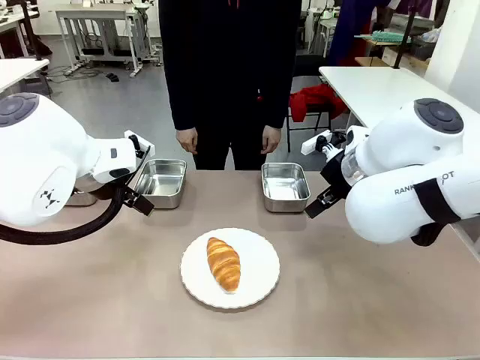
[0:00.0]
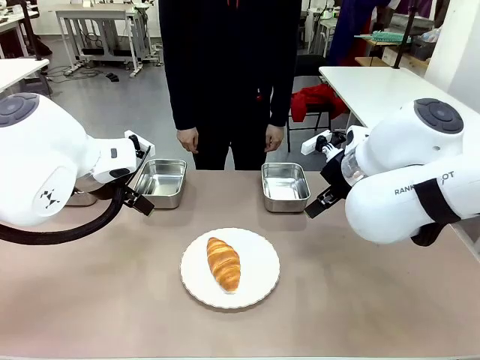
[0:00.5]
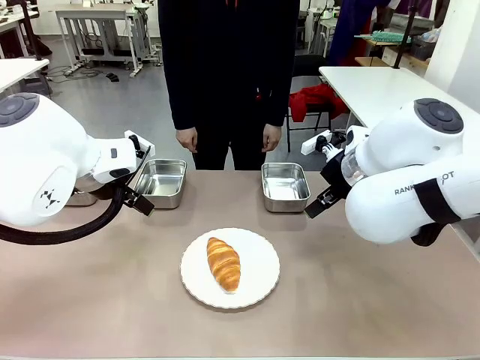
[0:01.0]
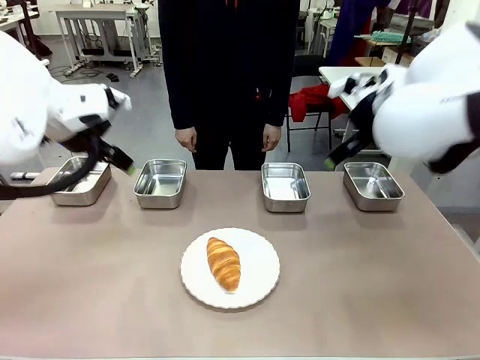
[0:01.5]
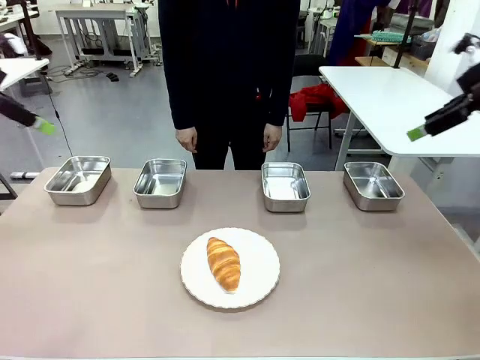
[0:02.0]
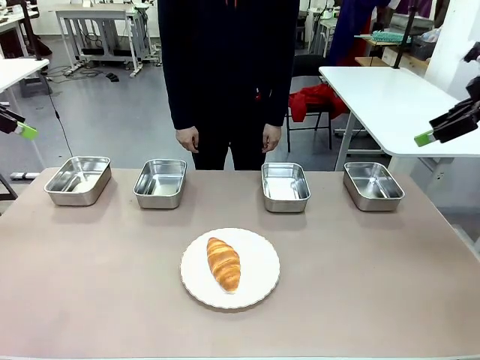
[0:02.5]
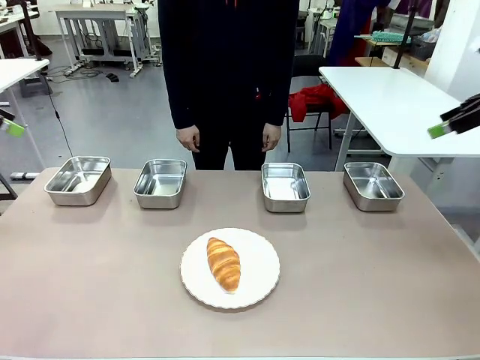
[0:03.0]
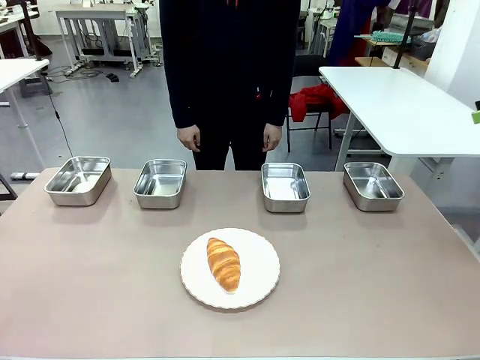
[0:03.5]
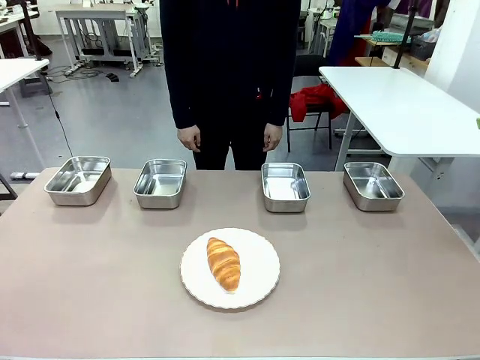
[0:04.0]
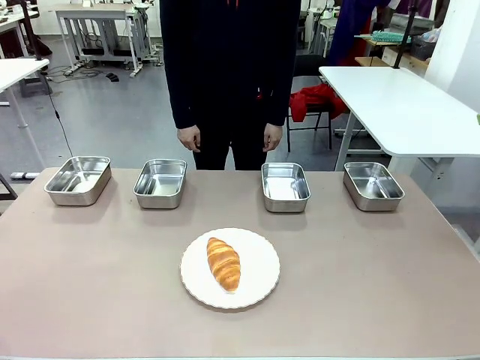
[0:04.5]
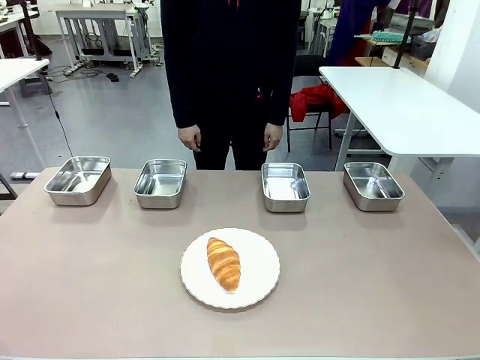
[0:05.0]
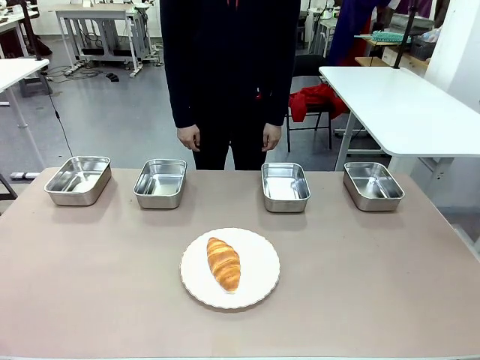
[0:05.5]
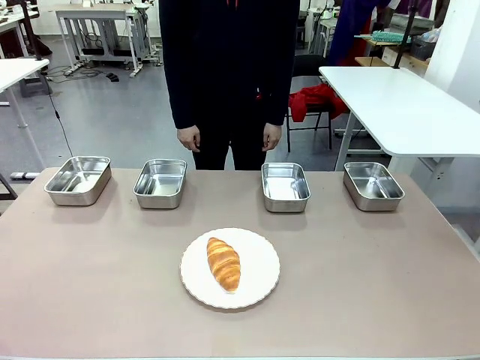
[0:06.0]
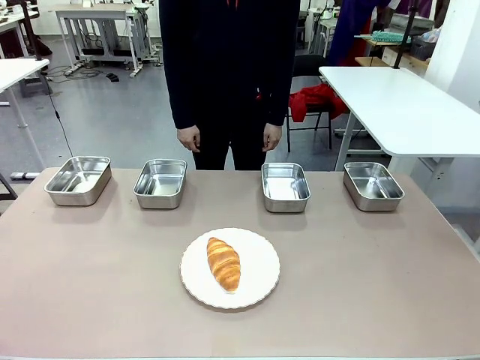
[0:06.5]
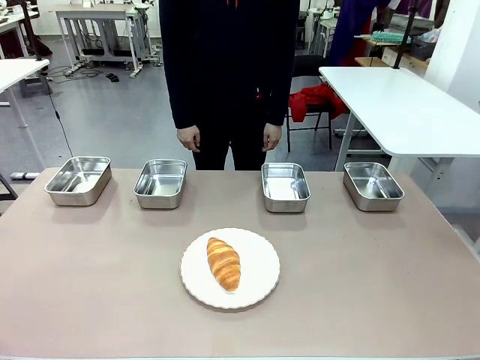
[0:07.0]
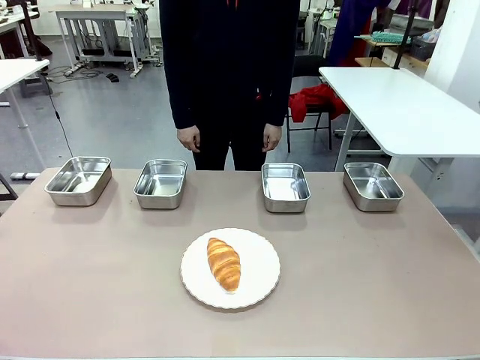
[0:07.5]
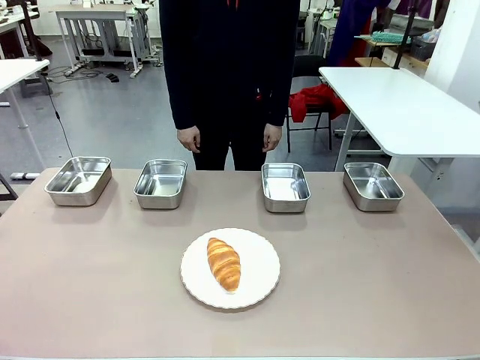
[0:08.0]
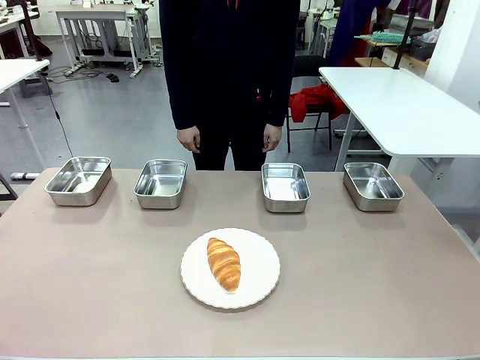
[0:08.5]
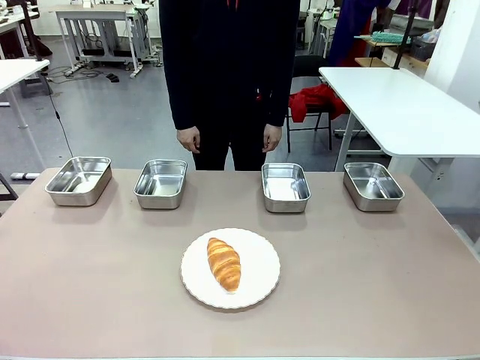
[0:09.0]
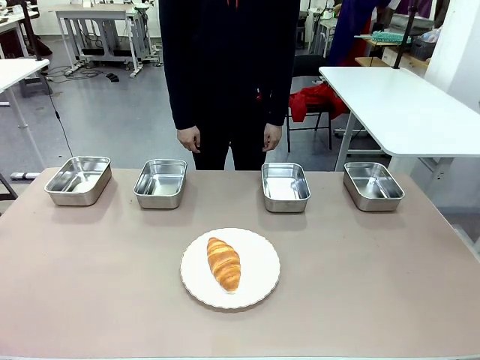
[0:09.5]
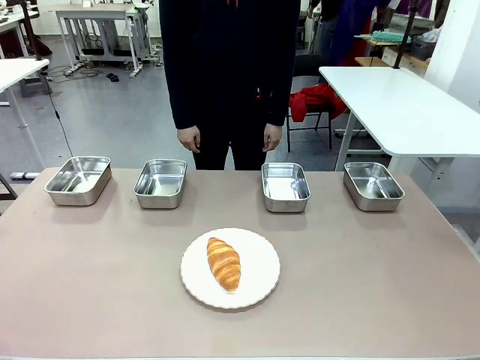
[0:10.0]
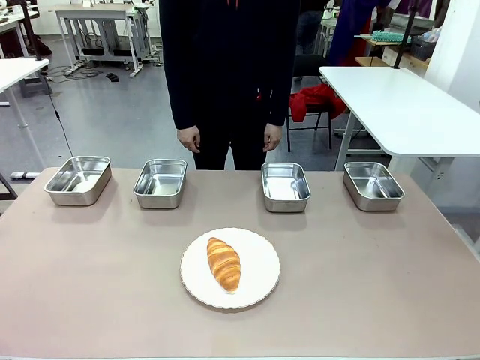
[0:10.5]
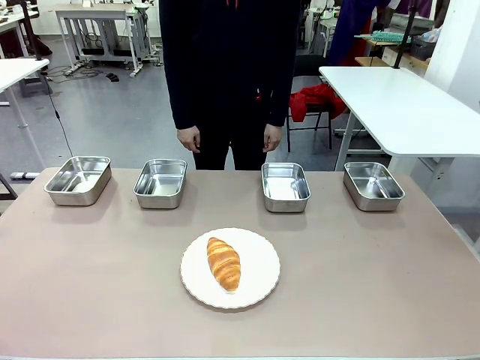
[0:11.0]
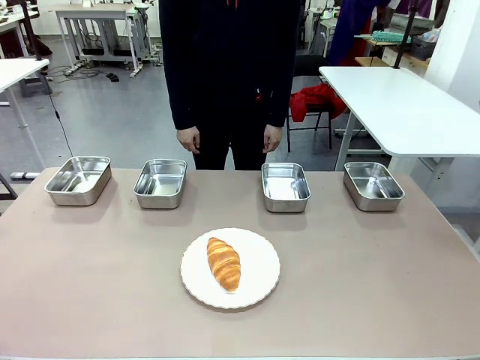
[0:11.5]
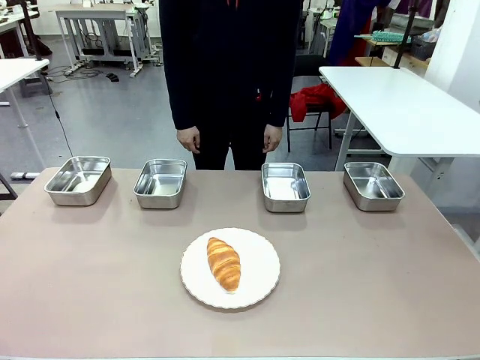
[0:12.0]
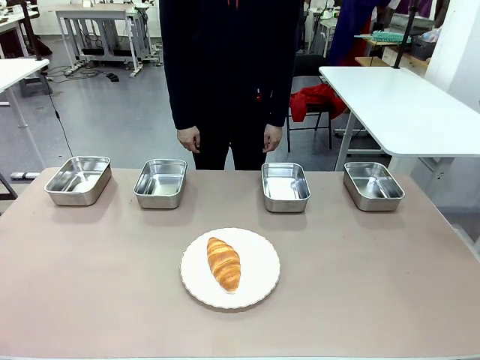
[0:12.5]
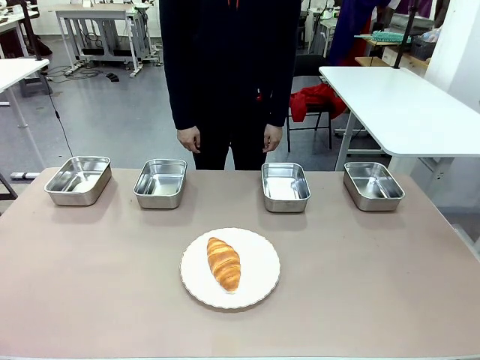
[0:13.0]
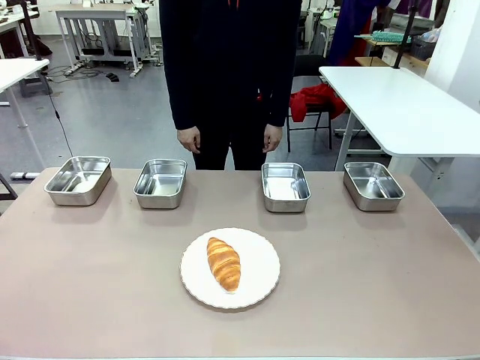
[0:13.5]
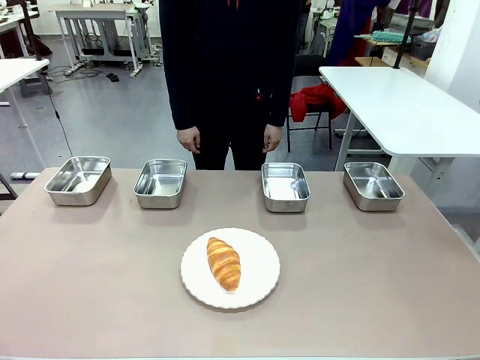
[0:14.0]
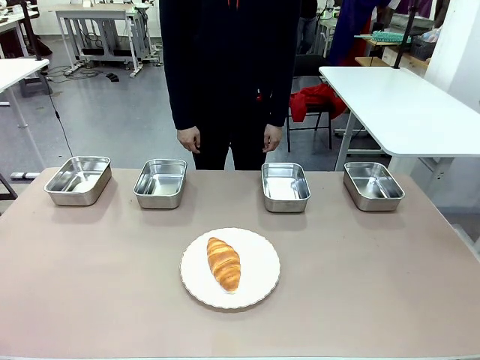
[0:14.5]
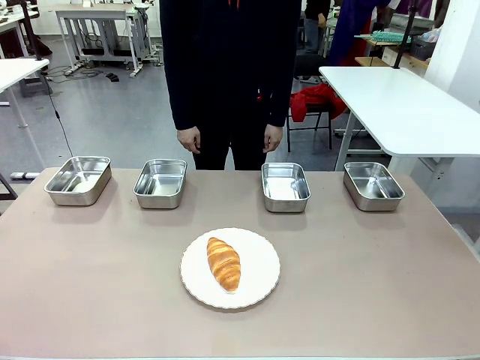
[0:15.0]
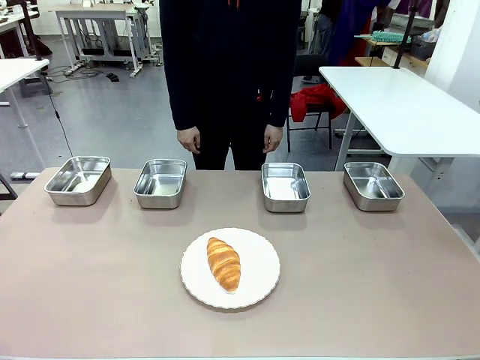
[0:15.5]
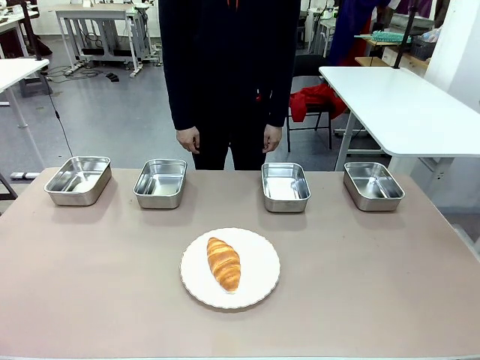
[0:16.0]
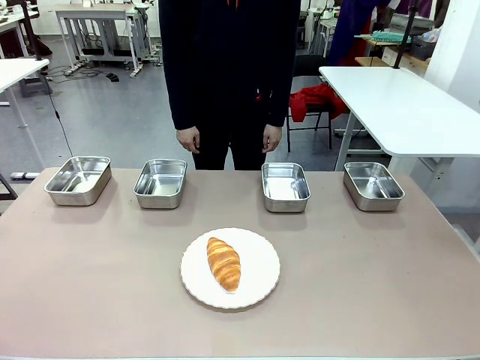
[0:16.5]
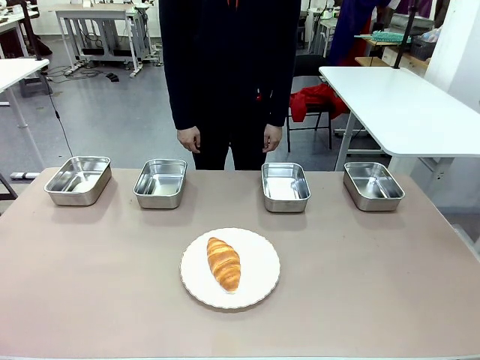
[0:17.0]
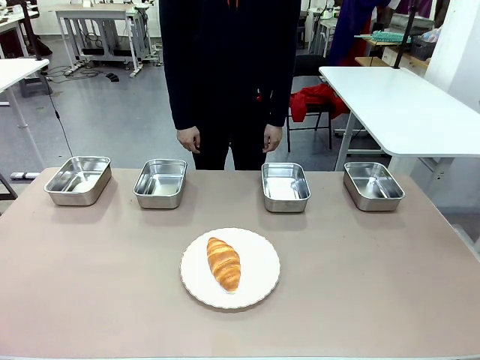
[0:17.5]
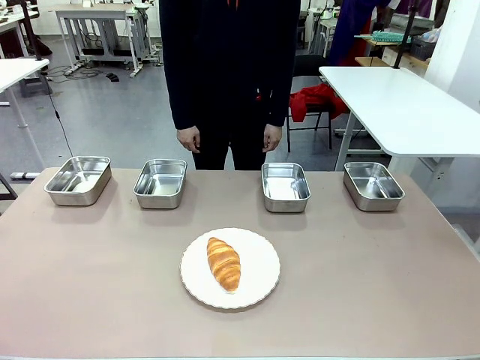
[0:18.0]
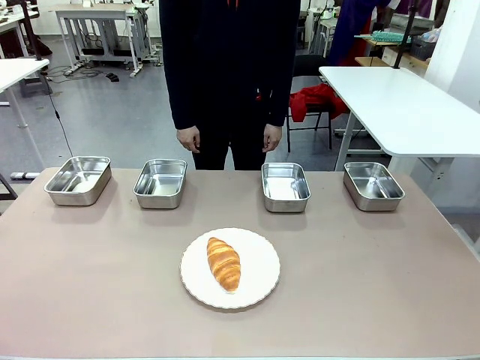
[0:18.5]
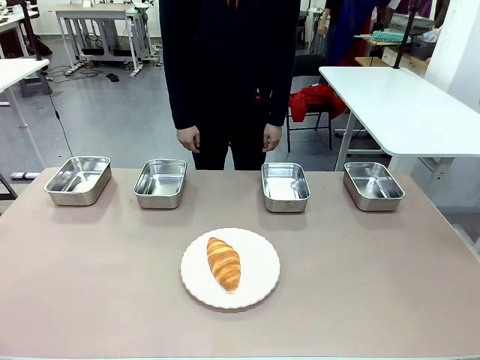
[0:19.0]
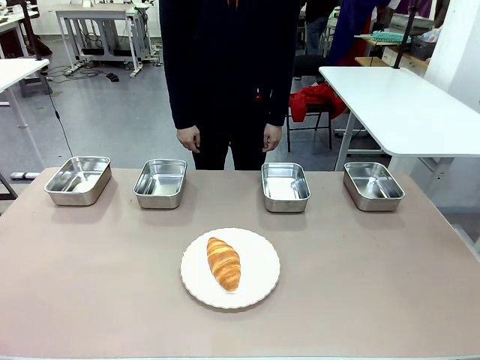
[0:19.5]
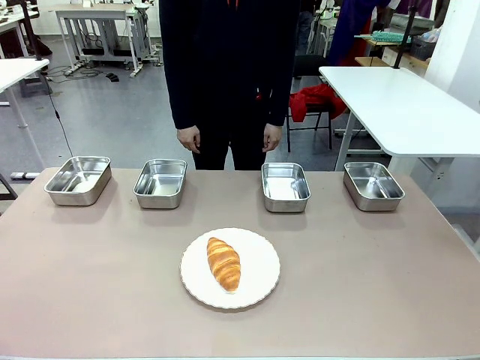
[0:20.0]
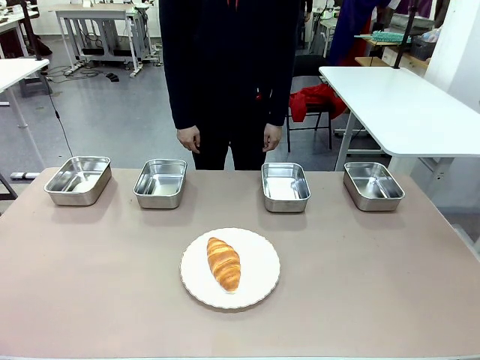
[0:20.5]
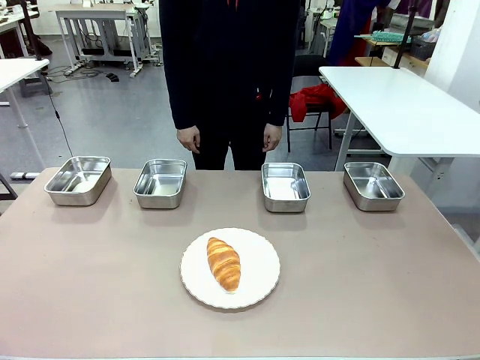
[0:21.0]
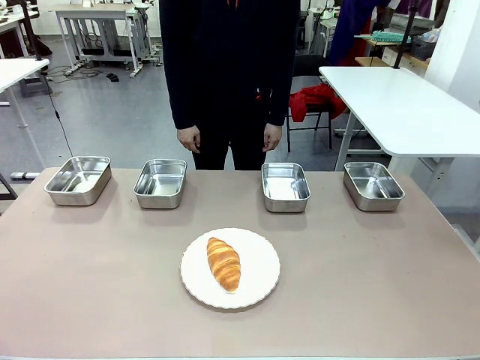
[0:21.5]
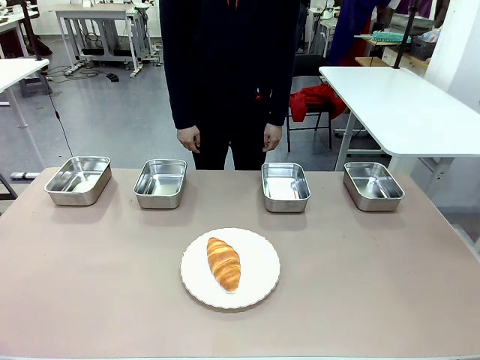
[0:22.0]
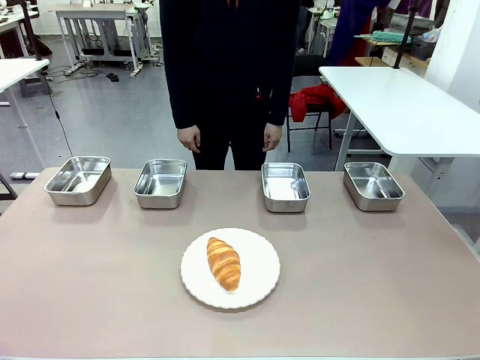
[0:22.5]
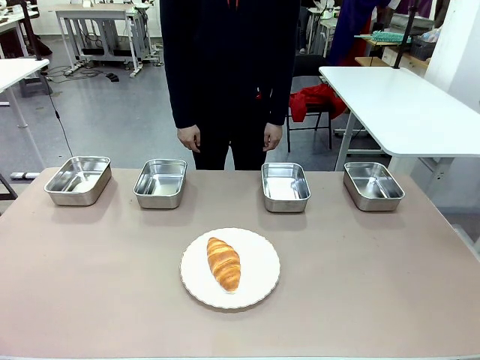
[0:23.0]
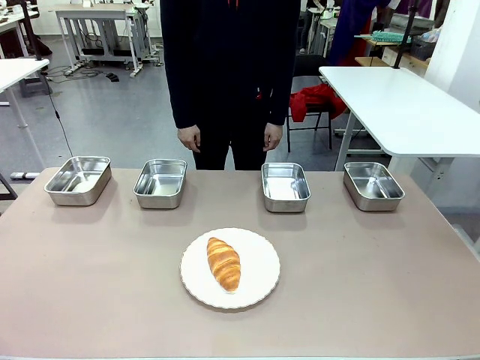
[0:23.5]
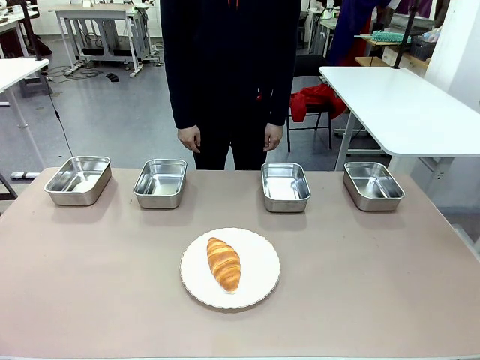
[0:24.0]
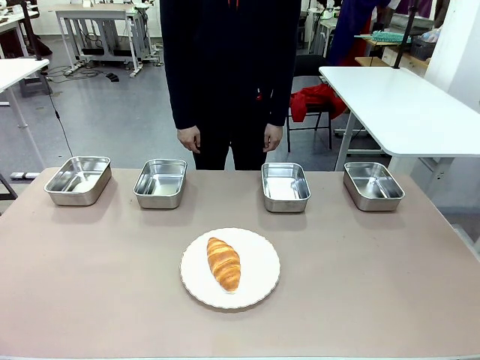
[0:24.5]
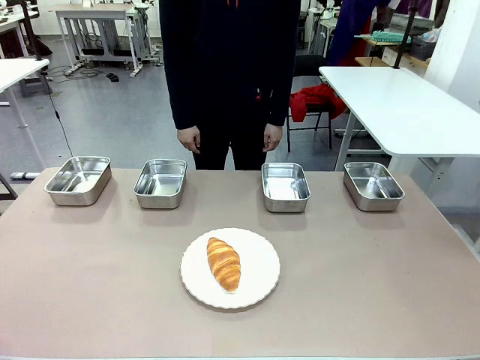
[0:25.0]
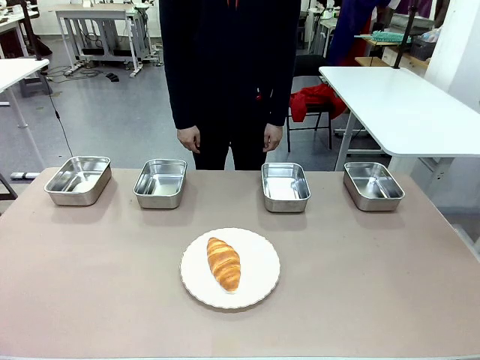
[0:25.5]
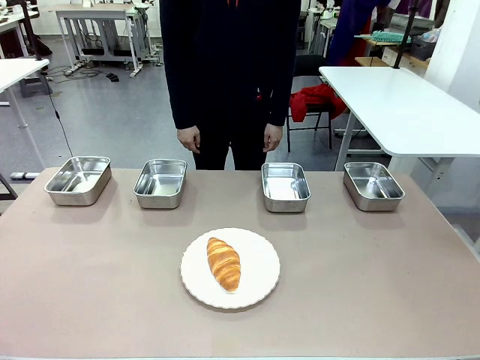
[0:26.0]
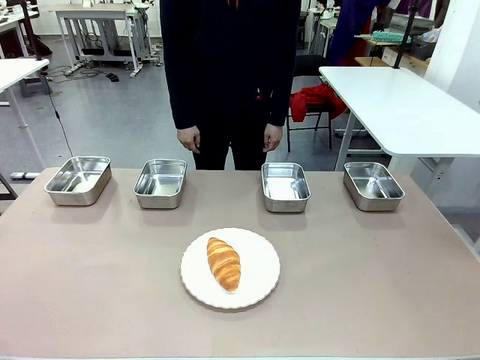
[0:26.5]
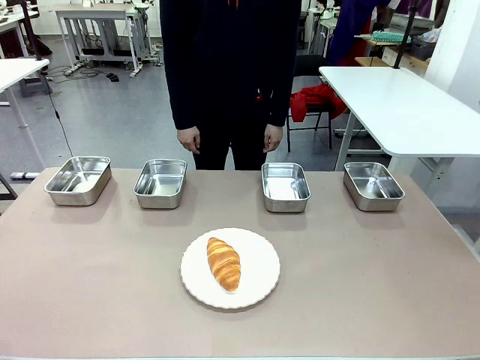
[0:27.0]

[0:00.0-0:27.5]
Task: Place the bread in the container.
Robot: Place the Butter Roll into the Airtight Container indicated by the human.
